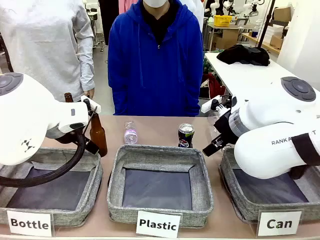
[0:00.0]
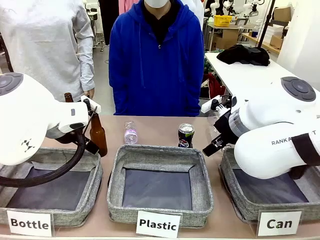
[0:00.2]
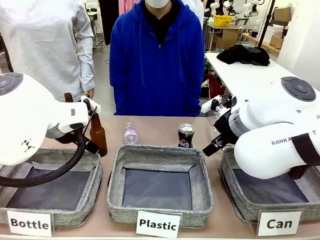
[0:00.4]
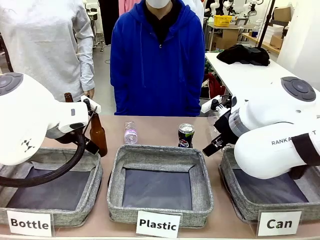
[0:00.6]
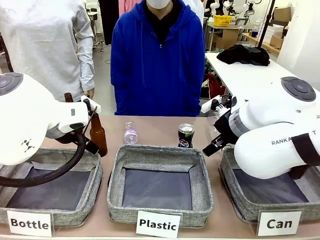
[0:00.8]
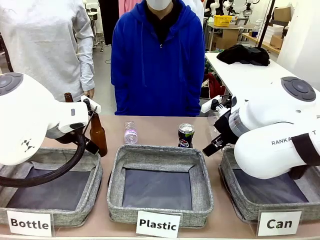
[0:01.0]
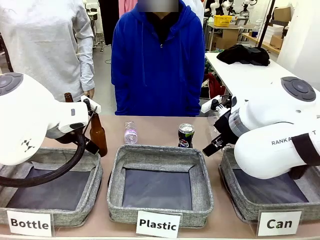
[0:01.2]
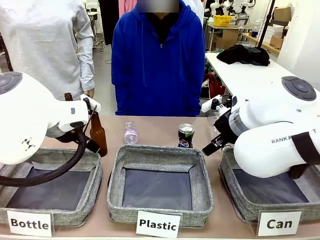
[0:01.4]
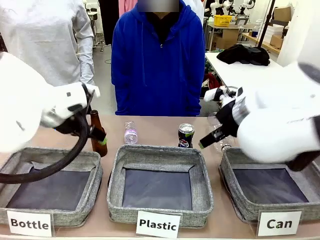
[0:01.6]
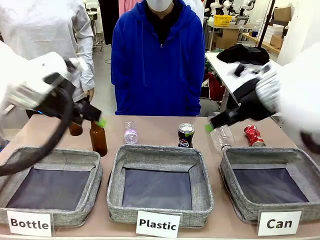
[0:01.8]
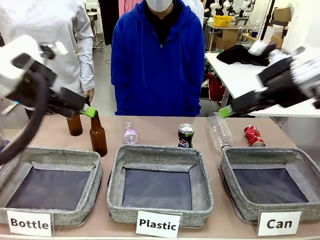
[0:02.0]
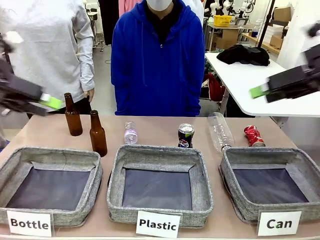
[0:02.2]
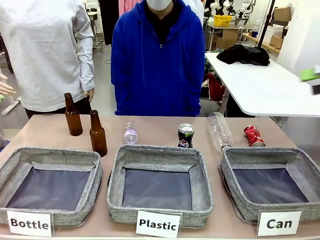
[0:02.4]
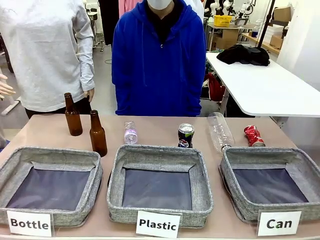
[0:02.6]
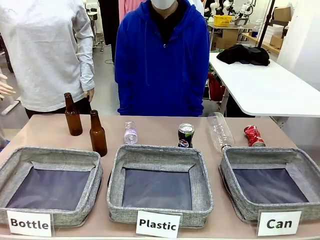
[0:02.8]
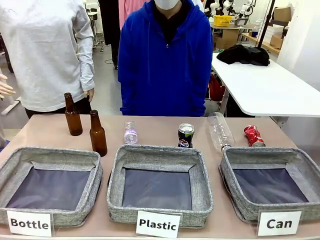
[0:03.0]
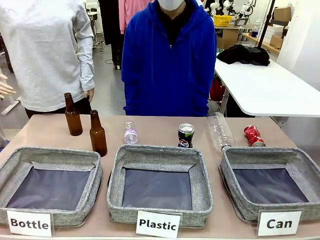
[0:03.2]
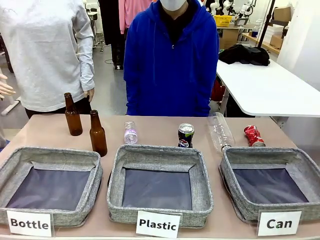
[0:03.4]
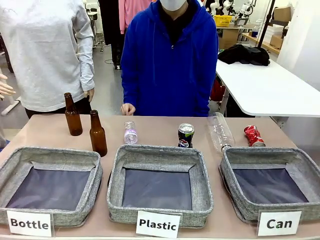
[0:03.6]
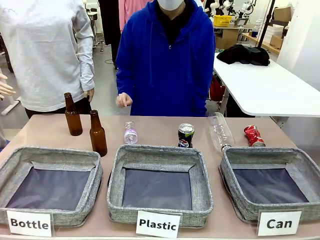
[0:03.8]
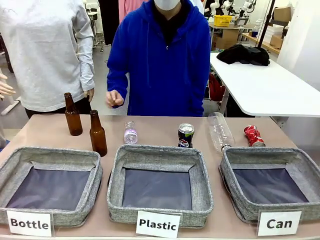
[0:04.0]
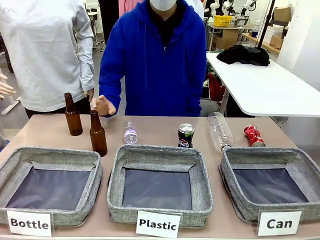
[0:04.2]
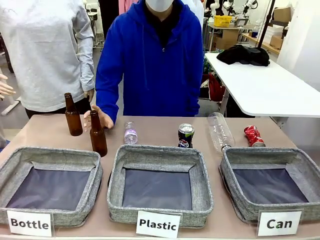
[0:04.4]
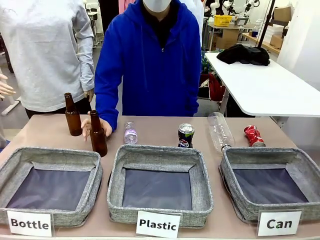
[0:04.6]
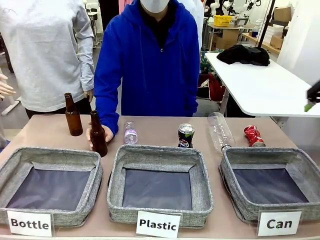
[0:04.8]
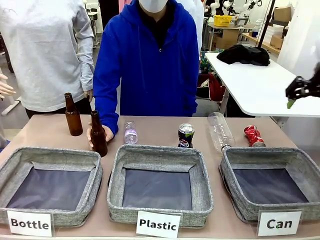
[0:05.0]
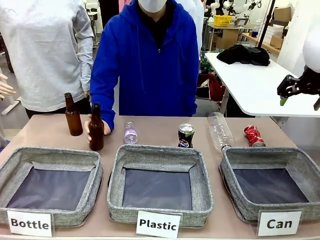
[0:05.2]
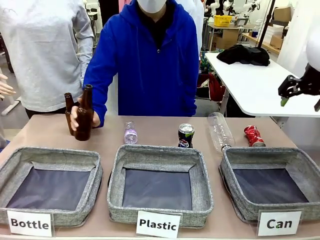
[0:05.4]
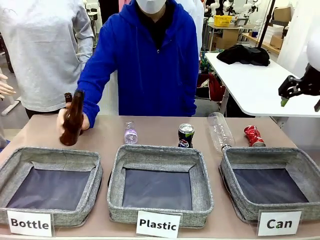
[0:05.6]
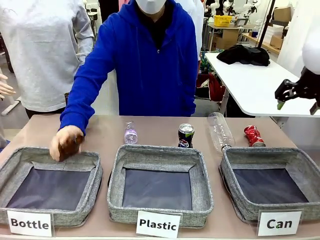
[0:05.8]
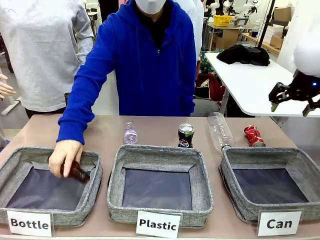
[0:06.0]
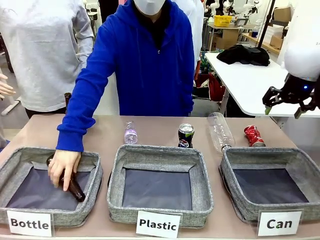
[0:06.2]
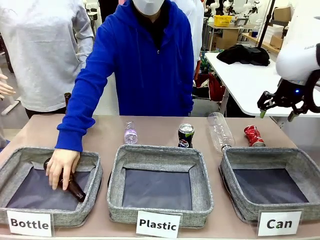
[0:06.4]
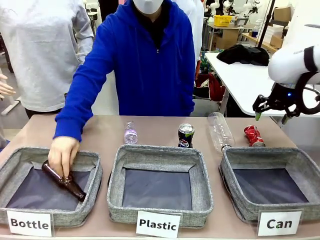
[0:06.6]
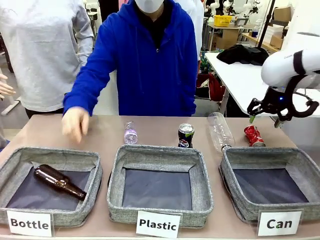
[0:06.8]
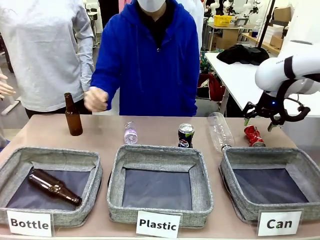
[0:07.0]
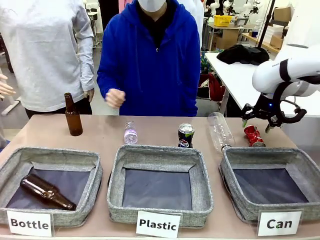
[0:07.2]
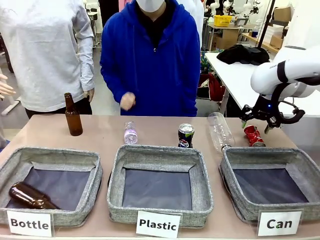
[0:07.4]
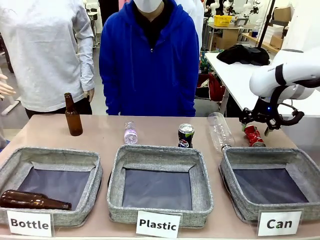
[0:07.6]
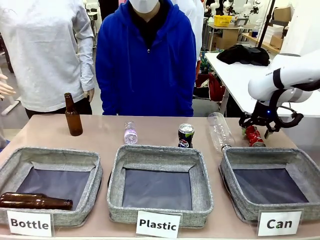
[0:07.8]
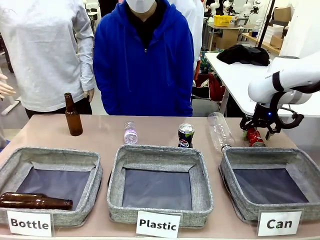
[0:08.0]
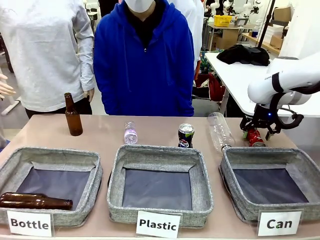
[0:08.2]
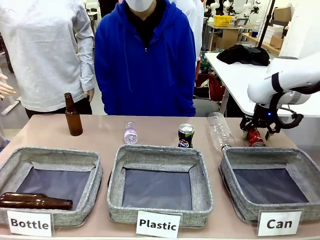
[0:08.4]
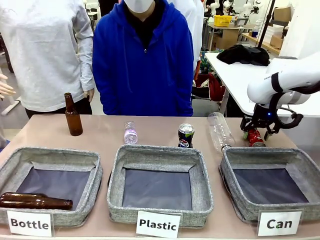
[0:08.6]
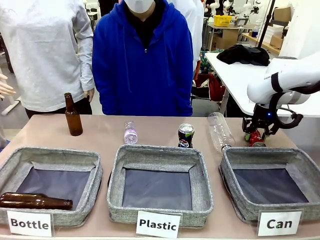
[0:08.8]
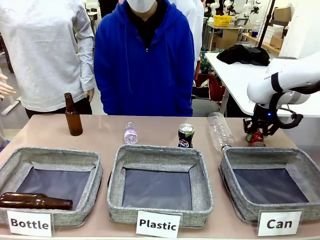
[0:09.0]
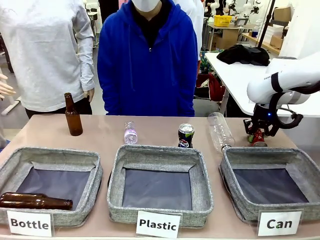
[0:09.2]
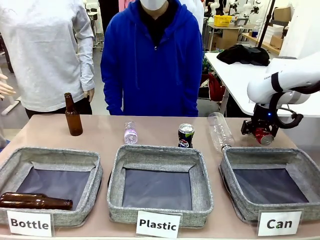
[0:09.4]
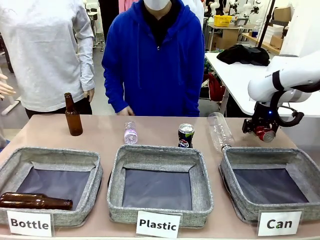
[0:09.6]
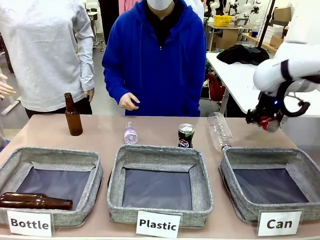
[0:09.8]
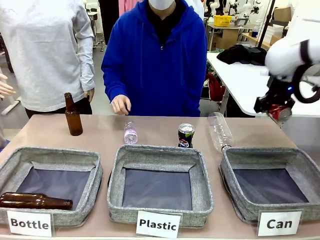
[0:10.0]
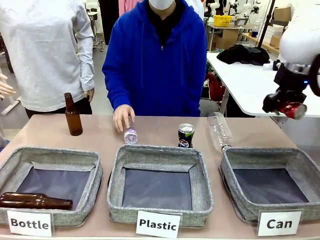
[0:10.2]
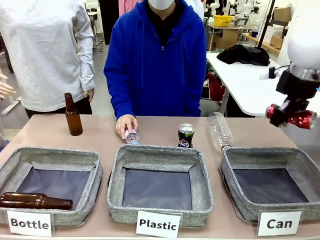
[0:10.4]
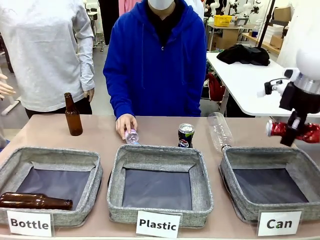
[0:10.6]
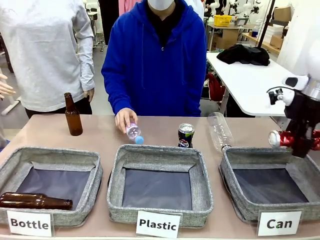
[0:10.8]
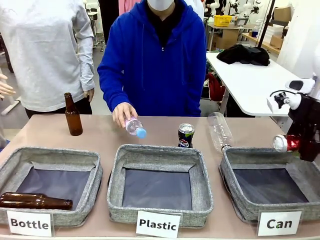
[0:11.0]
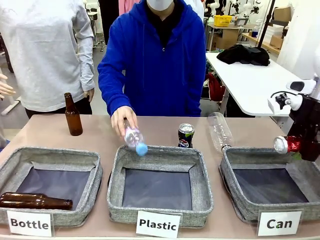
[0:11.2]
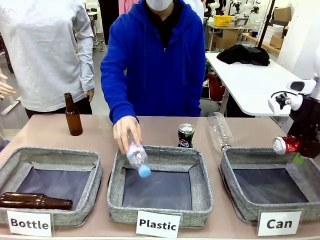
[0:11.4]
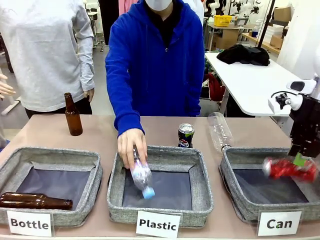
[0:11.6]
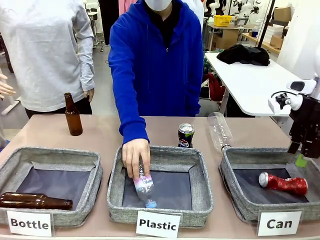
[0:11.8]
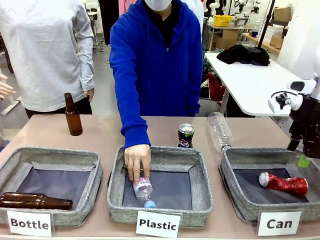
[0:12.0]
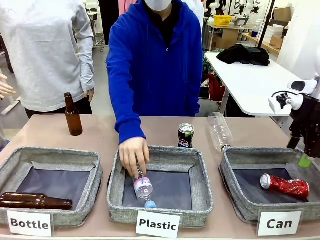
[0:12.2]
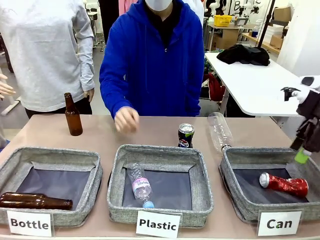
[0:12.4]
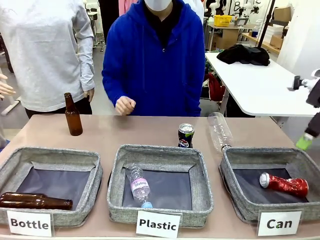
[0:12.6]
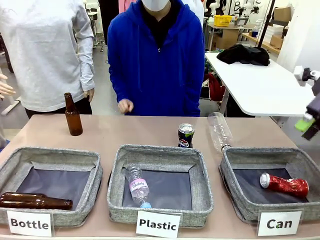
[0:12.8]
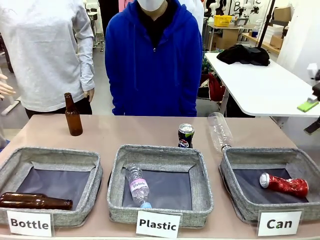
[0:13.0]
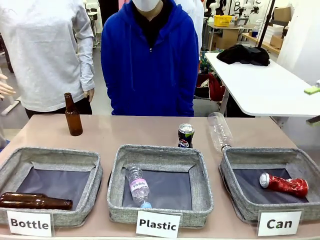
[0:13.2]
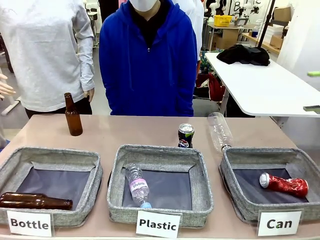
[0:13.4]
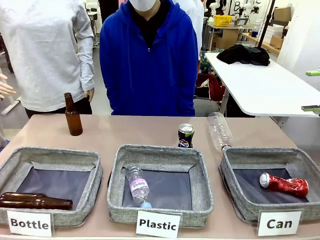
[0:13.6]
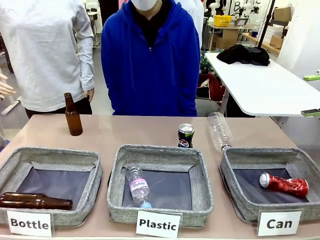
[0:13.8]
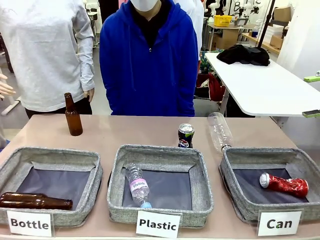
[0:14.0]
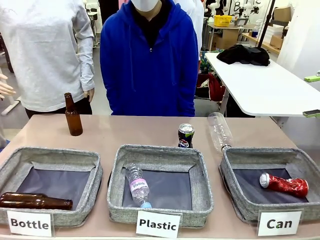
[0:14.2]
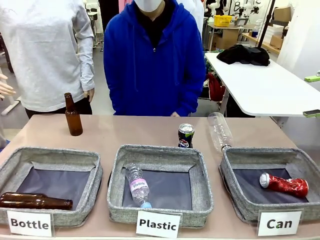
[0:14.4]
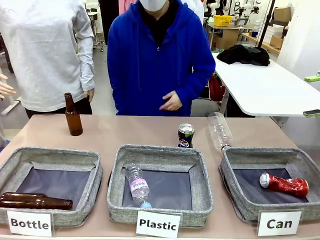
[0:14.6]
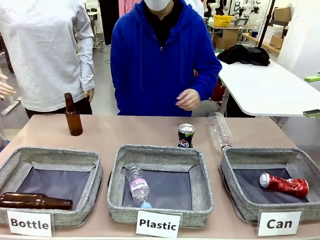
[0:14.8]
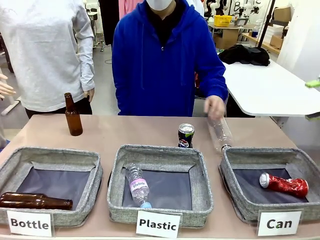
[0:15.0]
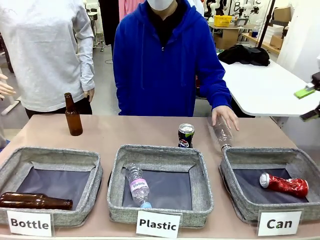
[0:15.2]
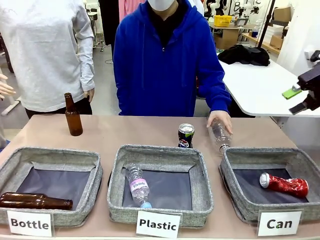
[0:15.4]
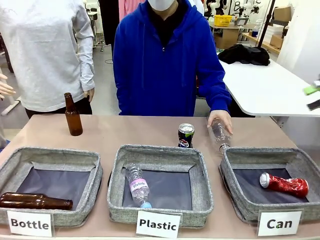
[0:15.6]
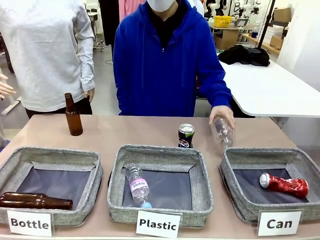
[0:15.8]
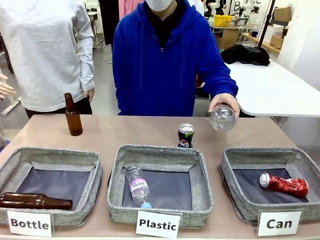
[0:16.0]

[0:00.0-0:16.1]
Task: Sort the can waste into the basket.
Robot: Pick up the can waste from the table and place it in the right Fabric basket.
